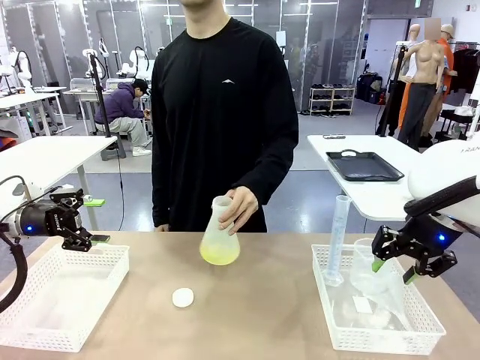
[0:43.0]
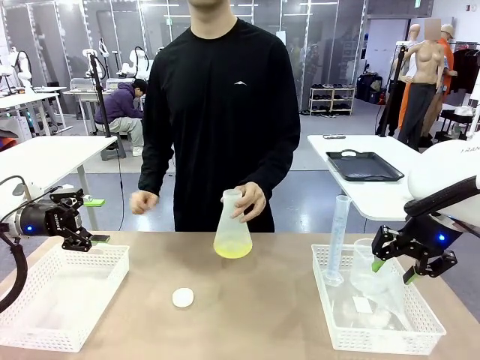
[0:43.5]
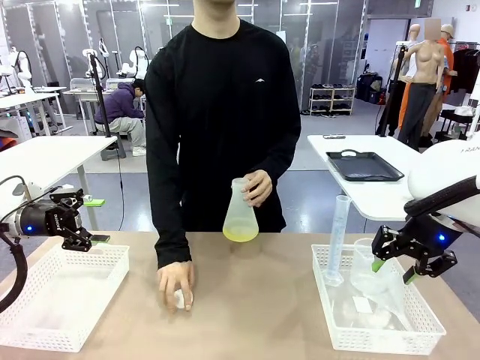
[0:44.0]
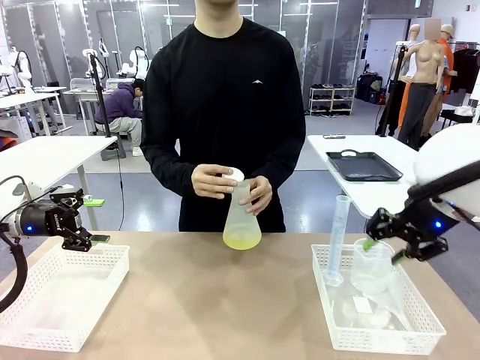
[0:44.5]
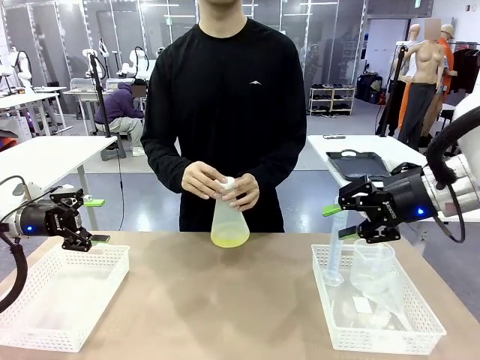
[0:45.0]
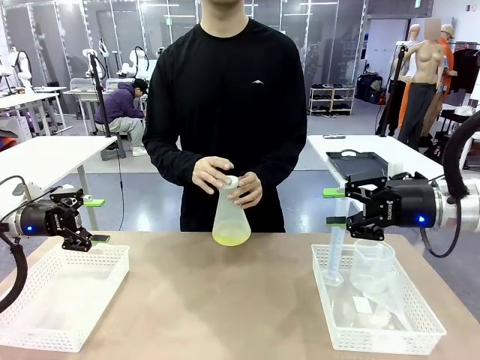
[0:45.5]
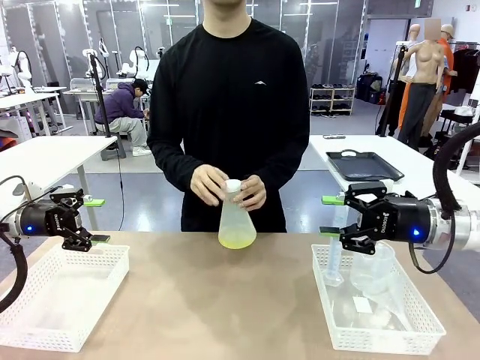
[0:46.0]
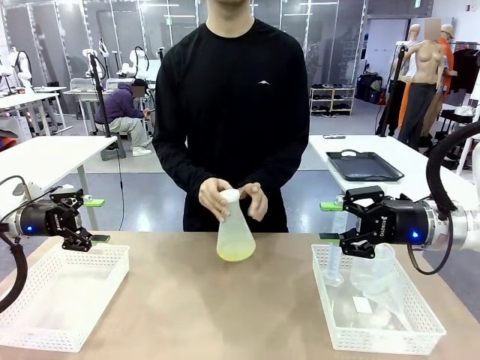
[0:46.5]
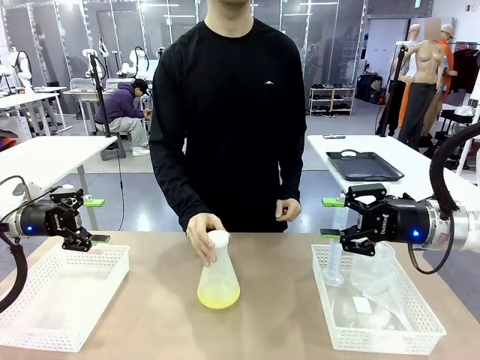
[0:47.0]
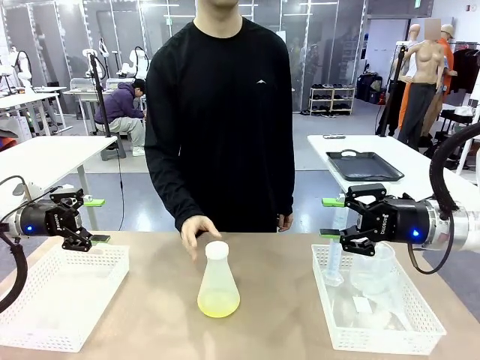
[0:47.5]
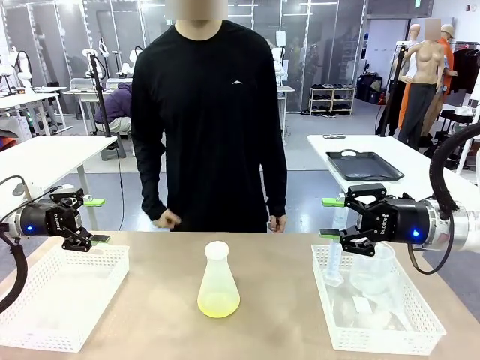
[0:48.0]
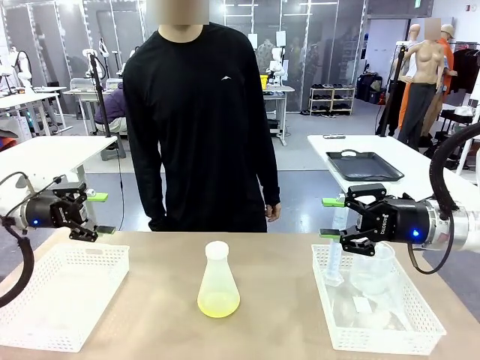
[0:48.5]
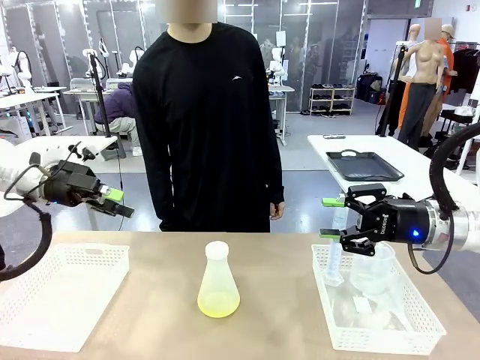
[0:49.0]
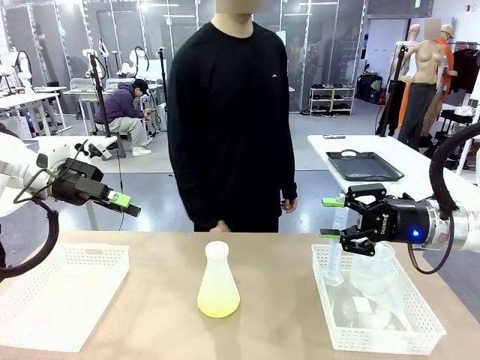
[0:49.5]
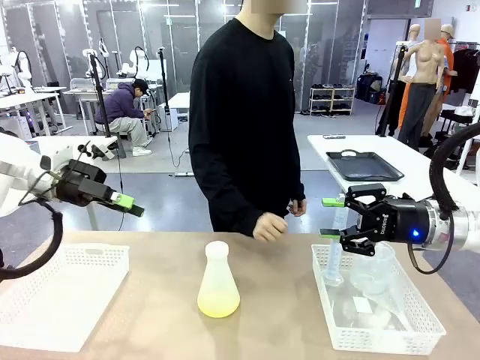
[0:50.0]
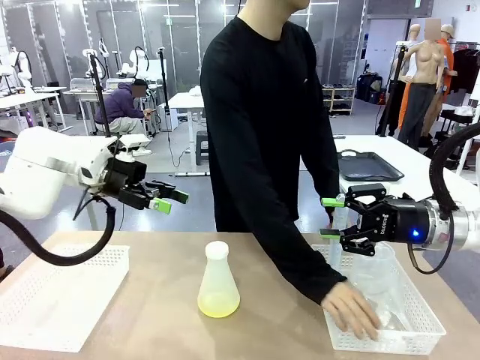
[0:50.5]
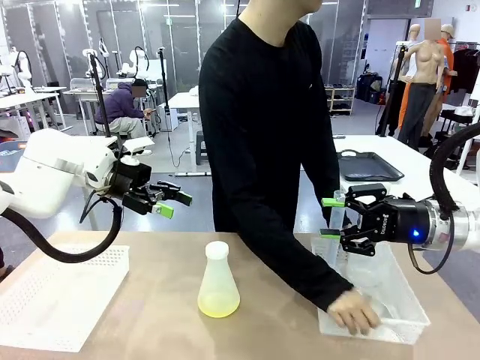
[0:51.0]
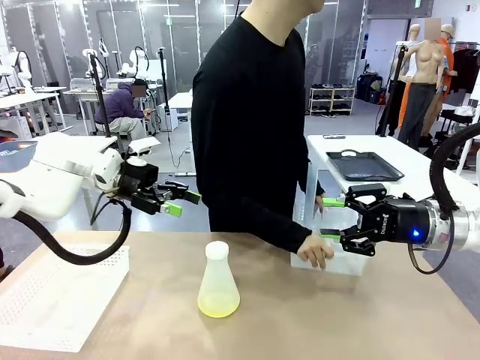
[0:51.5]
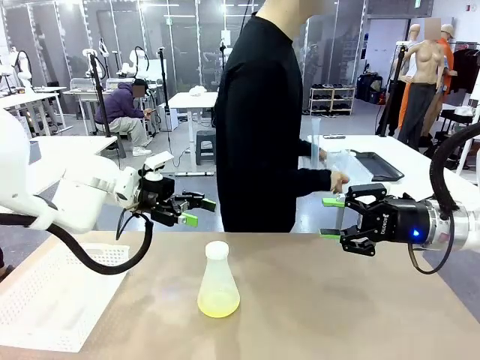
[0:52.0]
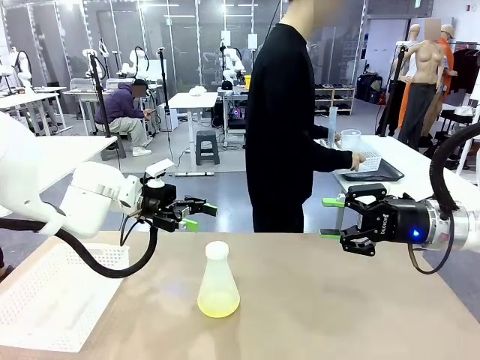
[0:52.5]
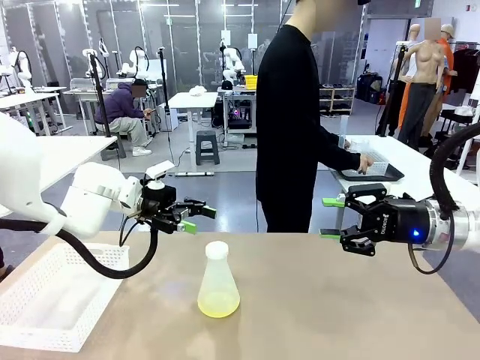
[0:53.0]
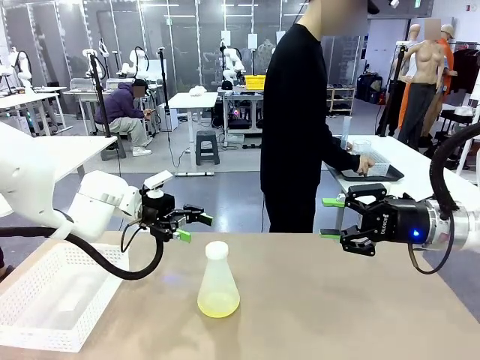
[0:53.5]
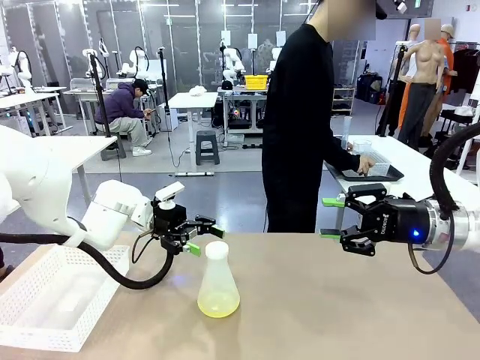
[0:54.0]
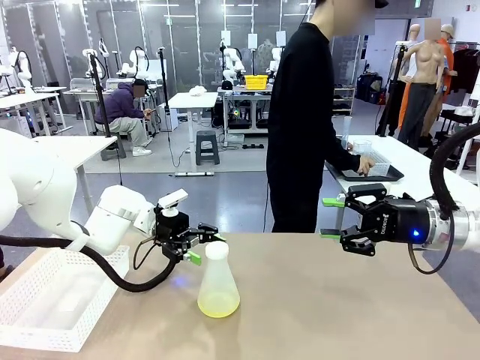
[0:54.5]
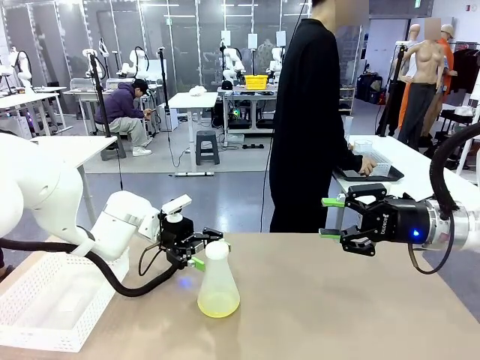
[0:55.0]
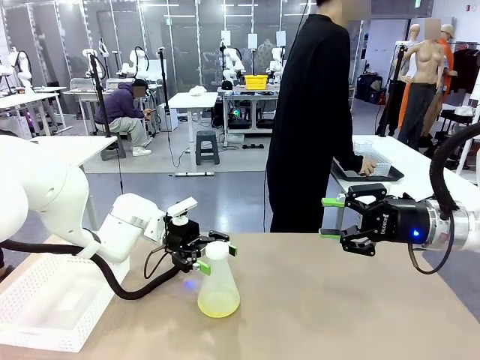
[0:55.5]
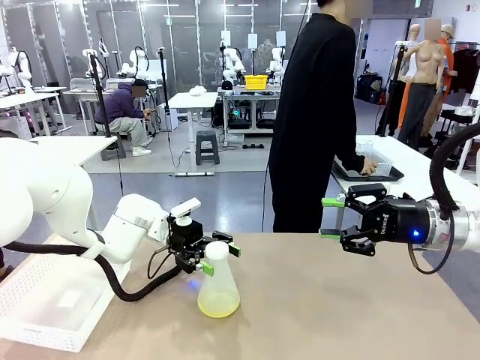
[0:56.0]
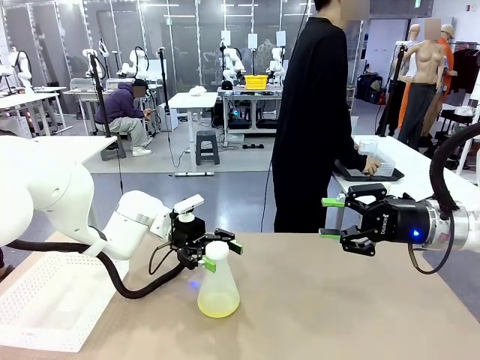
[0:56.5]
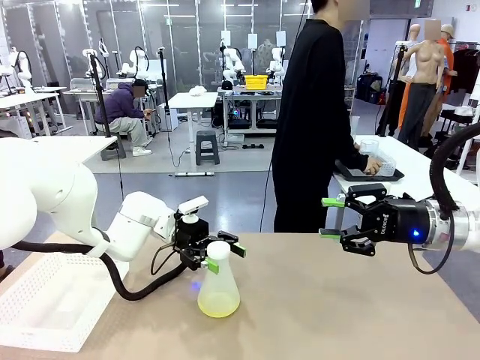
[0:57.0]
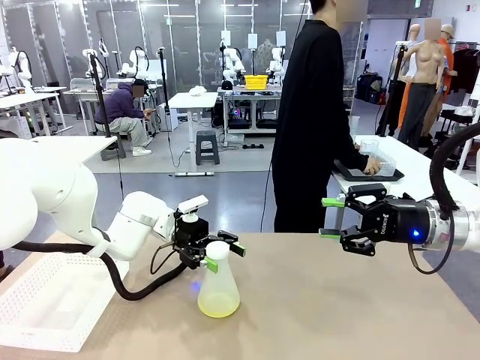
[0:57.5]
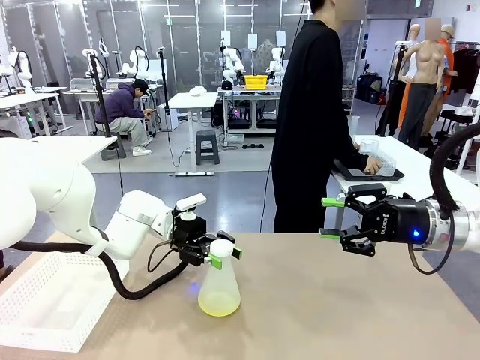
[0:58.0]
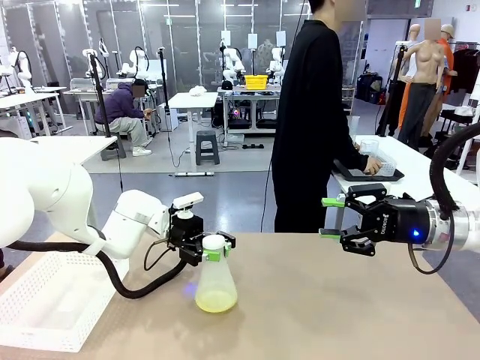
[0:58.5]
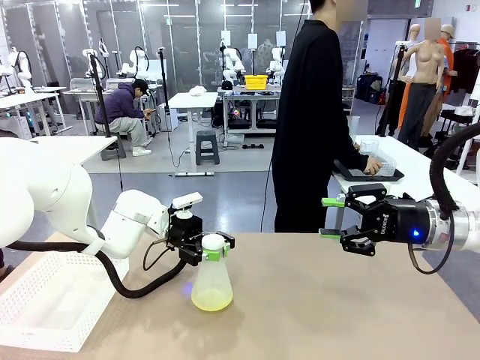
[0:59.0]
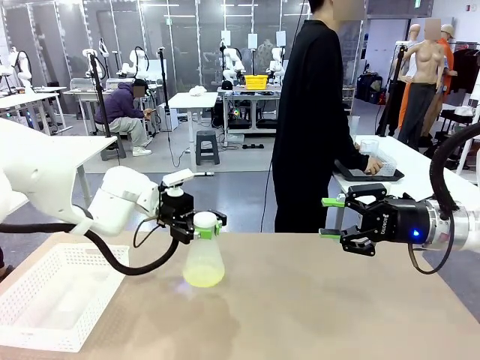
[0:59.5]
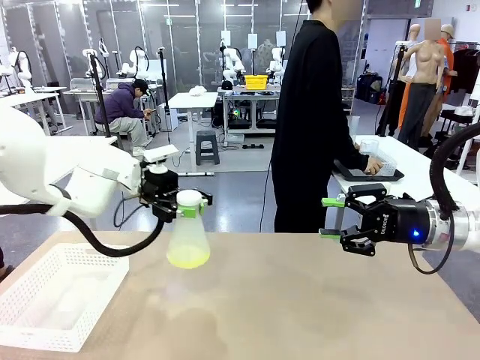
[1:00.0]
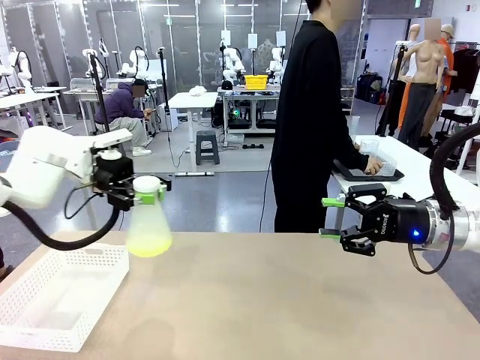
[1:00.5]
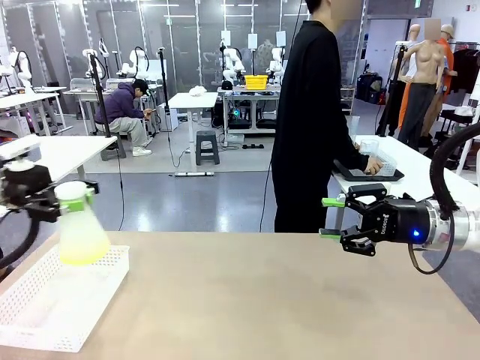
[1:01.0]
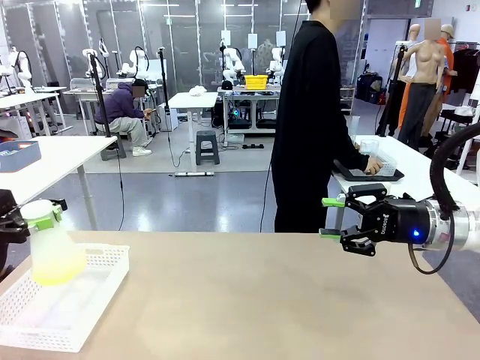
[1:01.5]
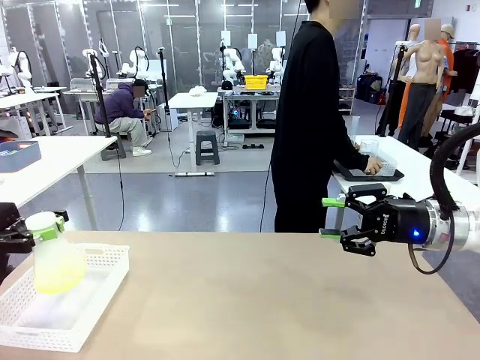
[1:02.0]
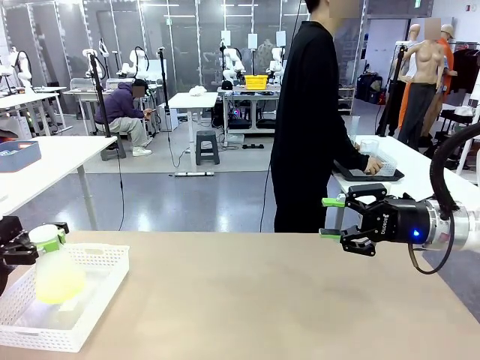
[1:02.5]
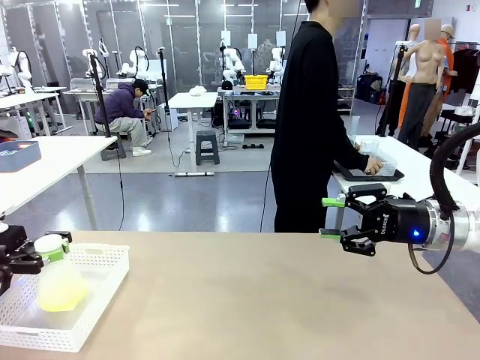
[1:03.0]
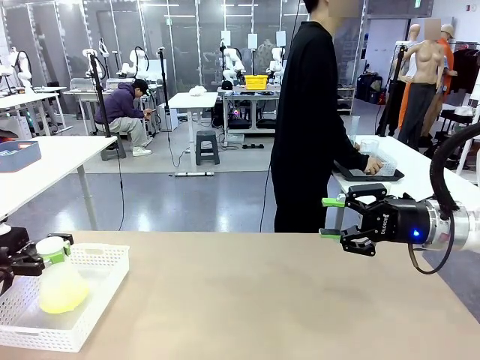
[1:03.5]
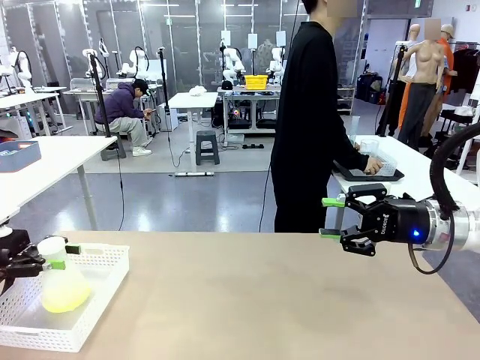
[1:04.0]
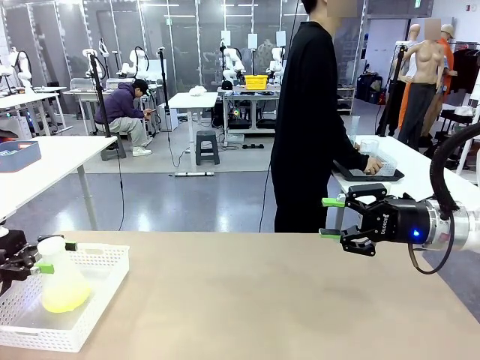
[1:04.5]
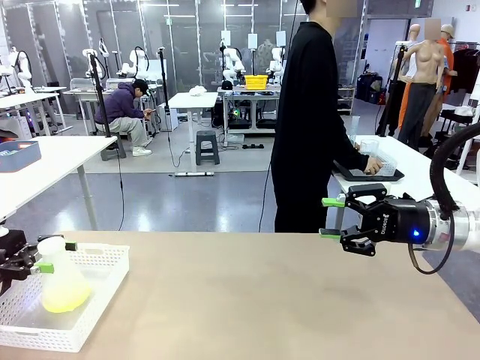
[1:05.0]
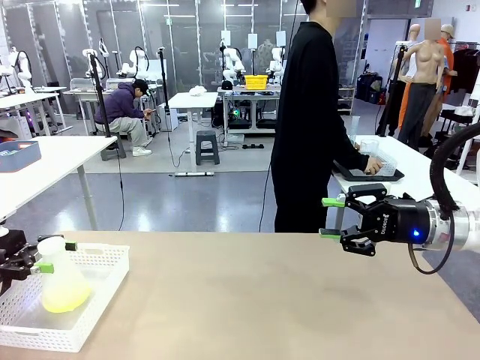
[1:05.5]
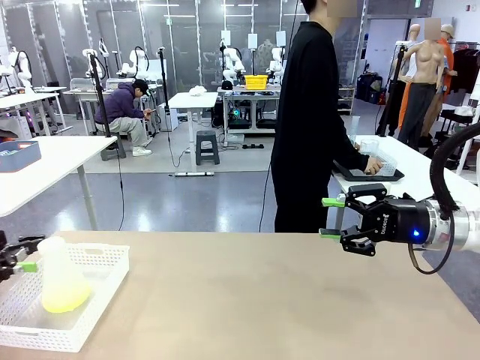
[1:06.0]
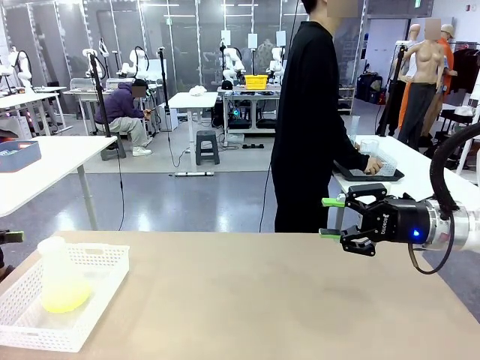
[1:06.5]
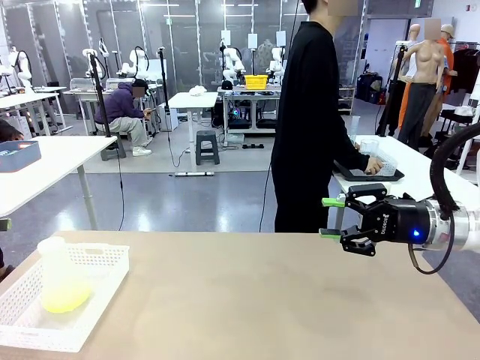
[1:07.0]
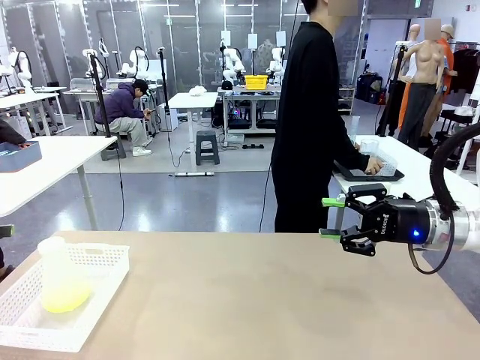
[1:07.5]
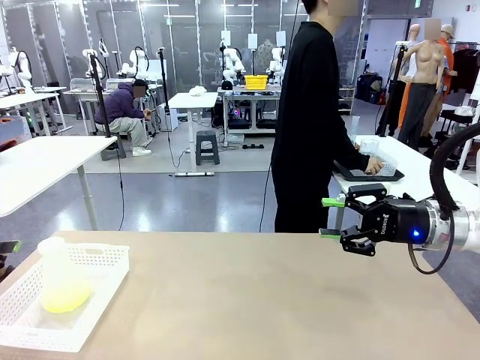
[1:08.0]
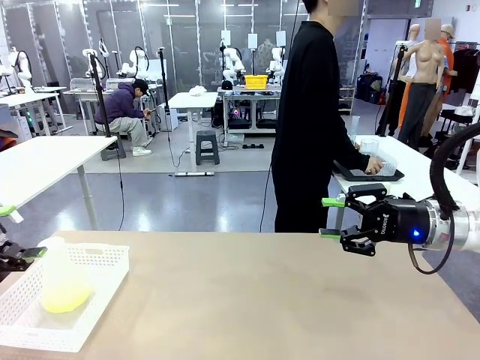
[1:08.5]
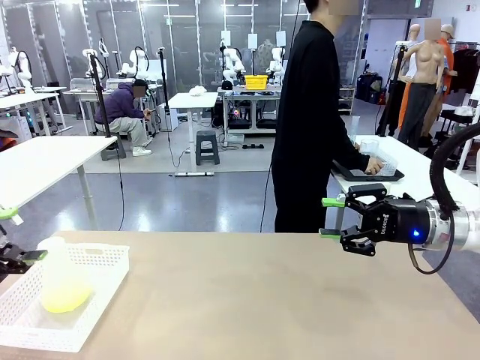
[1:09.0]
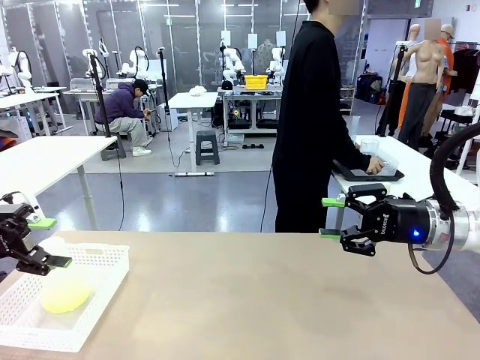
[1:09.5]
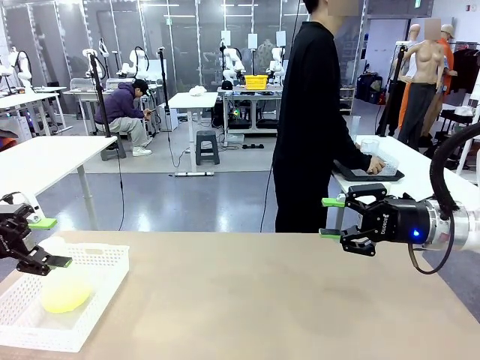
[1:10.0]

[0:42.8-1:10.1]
Task: Prepare the solutions needed for the experiment.
Robot: When the human places the Big flask in the center of the table, pick up the Big flask and place it in the left Organizing basket.
Person: Pick up the organizing basket on the left side of the robot table and place it on the left side of the human table.
